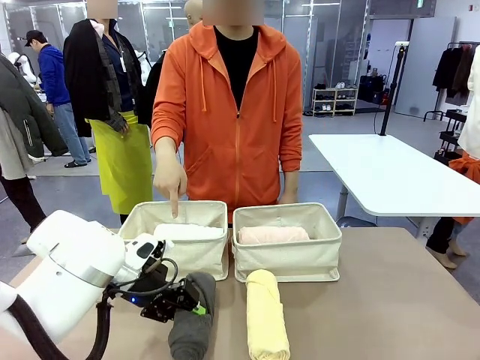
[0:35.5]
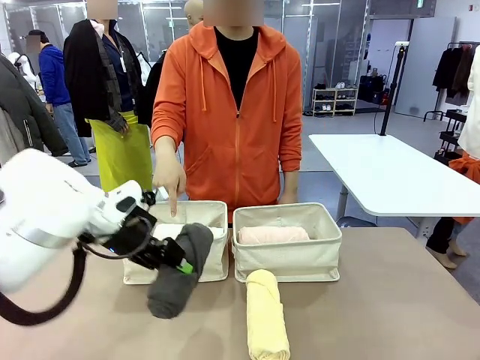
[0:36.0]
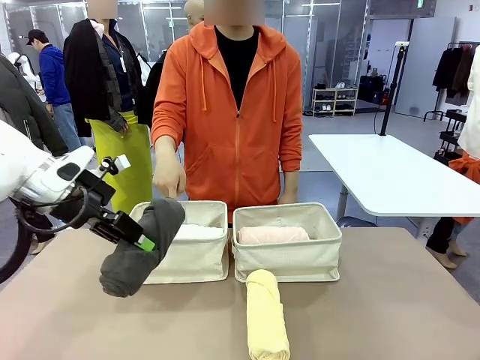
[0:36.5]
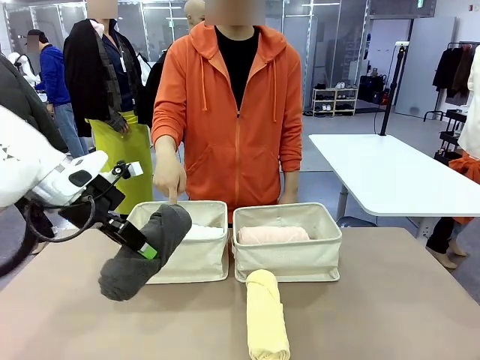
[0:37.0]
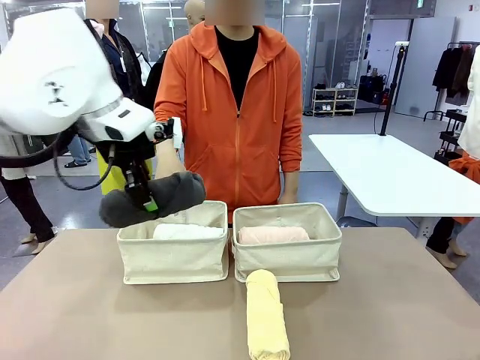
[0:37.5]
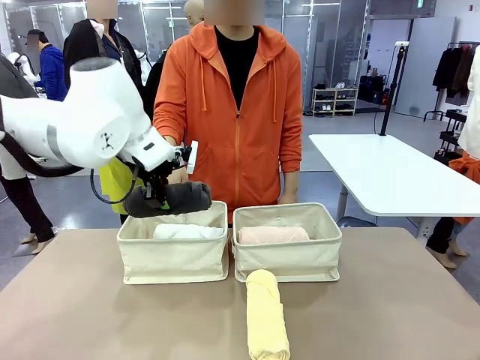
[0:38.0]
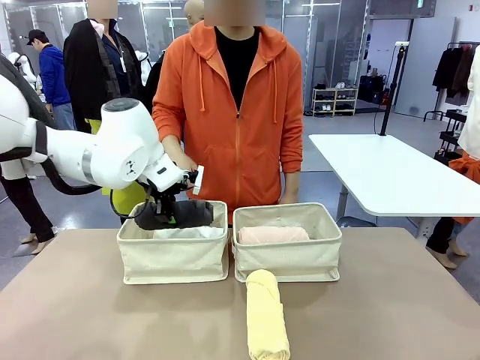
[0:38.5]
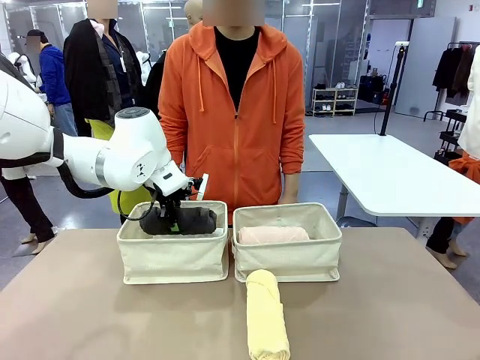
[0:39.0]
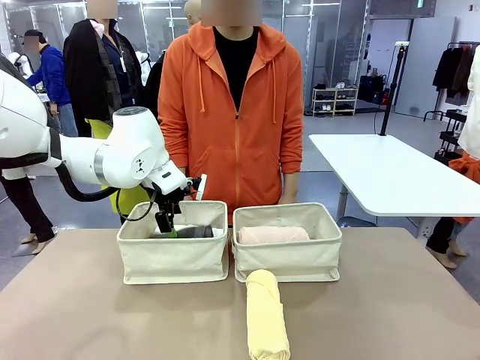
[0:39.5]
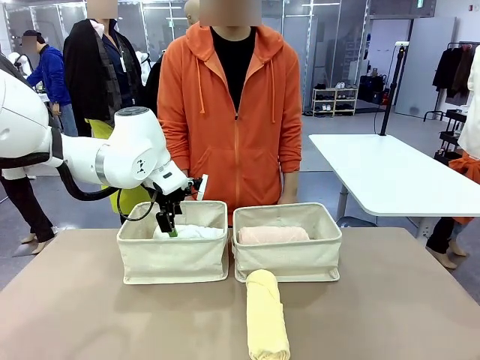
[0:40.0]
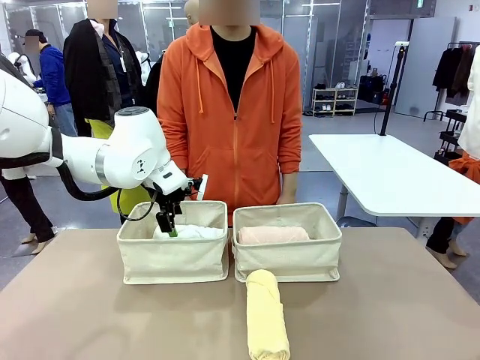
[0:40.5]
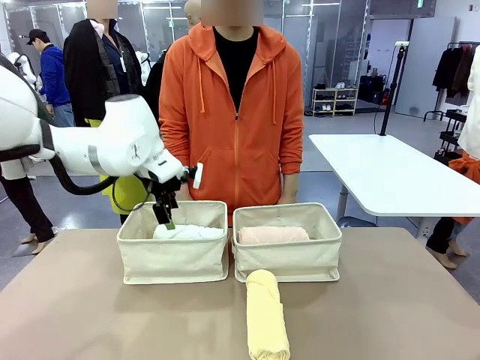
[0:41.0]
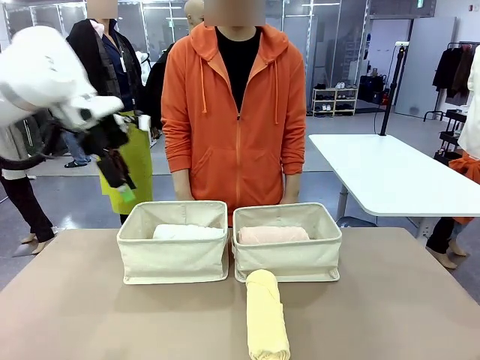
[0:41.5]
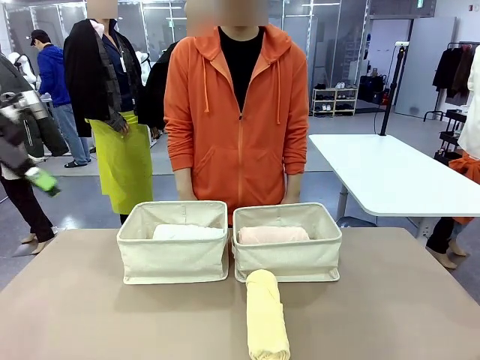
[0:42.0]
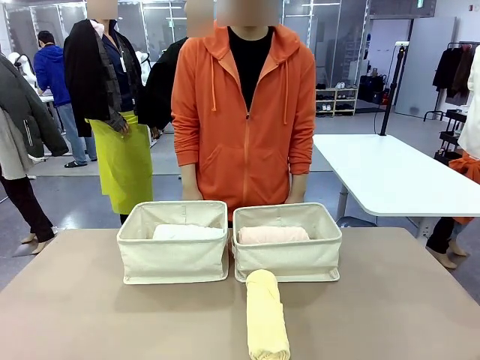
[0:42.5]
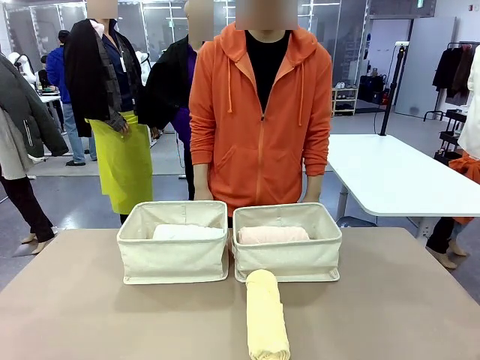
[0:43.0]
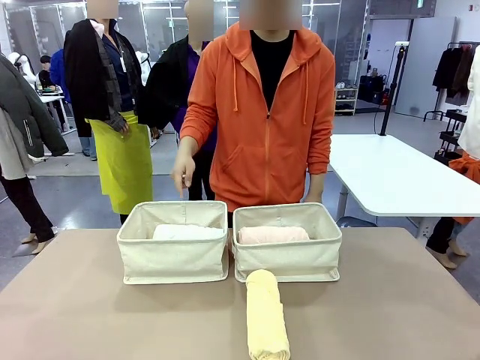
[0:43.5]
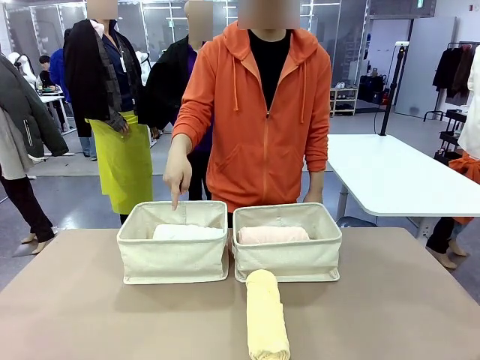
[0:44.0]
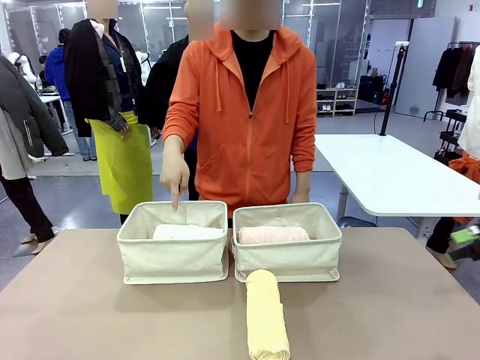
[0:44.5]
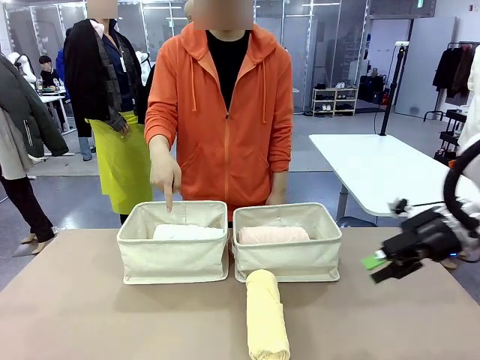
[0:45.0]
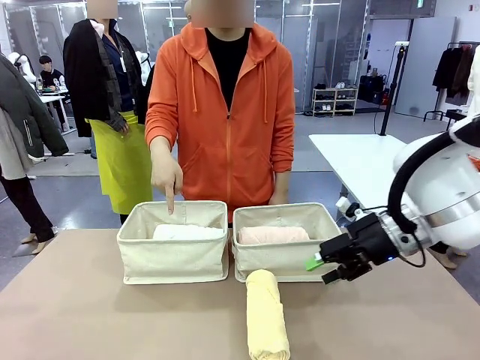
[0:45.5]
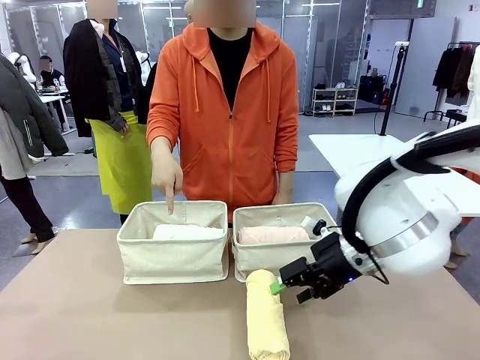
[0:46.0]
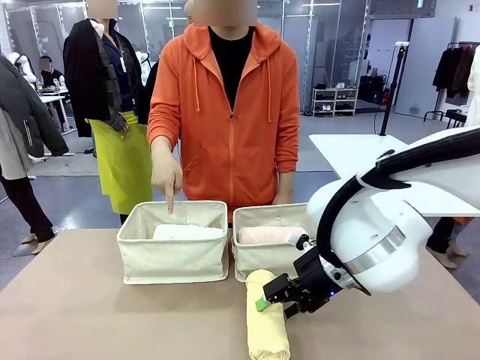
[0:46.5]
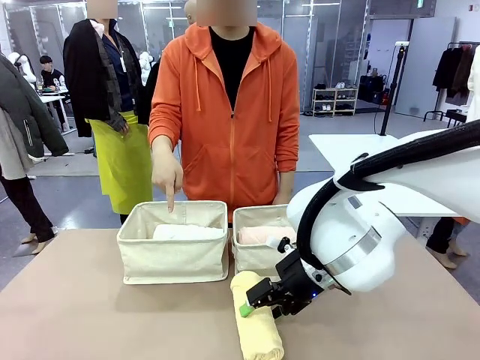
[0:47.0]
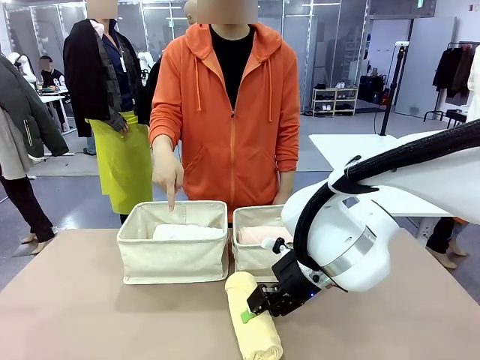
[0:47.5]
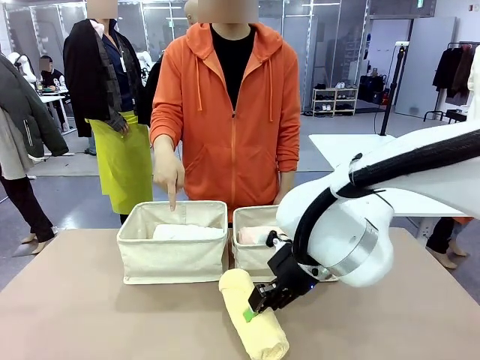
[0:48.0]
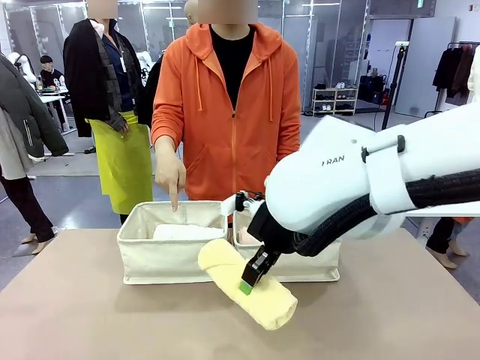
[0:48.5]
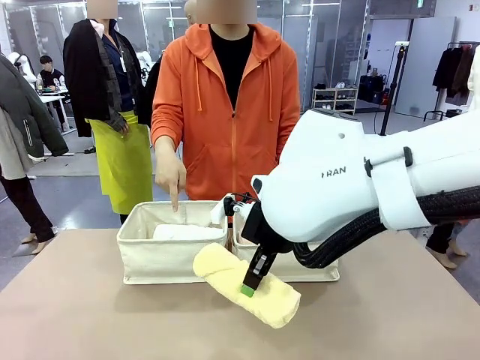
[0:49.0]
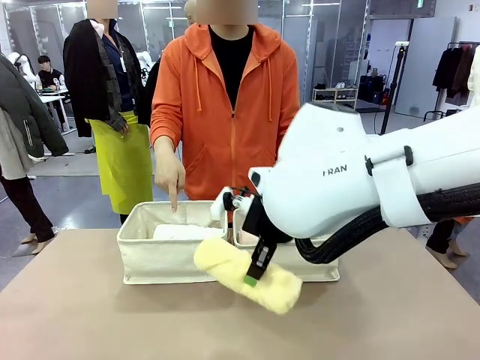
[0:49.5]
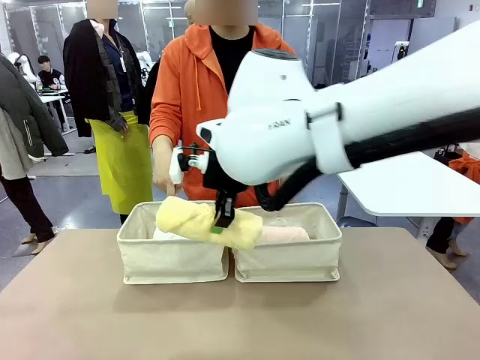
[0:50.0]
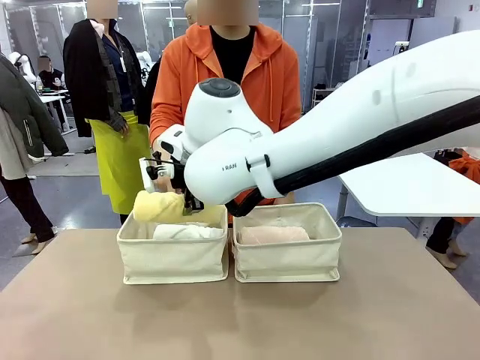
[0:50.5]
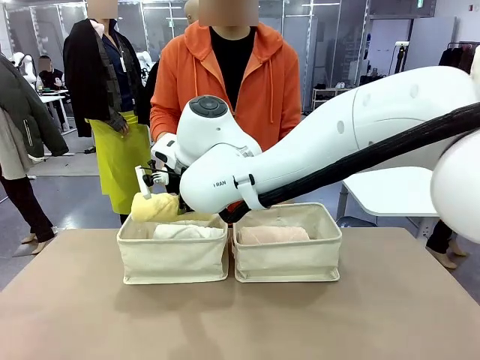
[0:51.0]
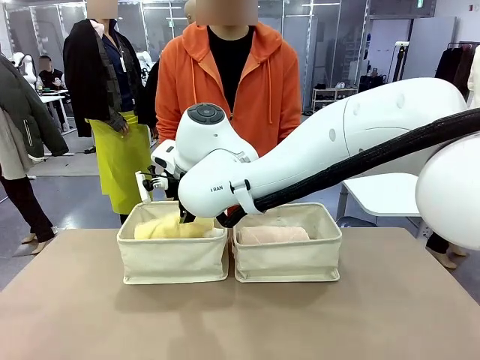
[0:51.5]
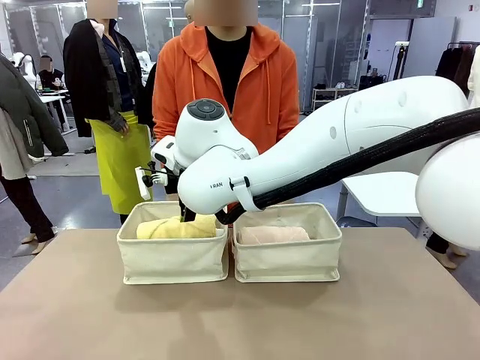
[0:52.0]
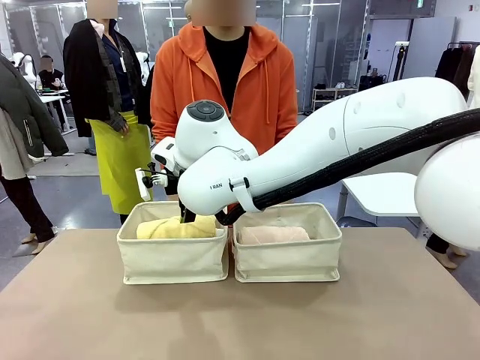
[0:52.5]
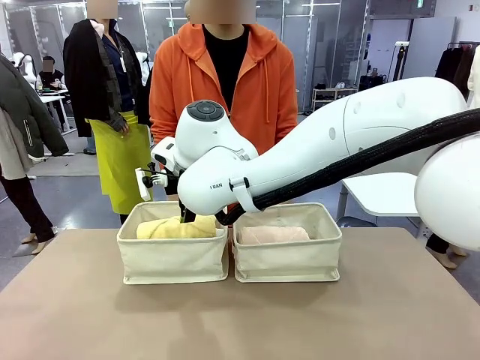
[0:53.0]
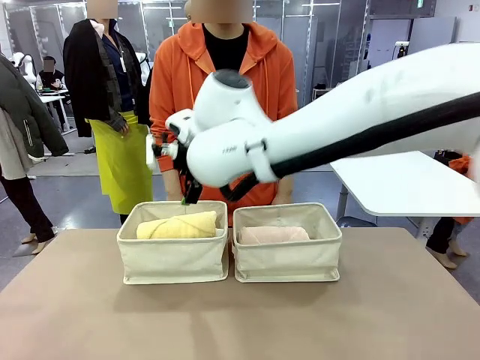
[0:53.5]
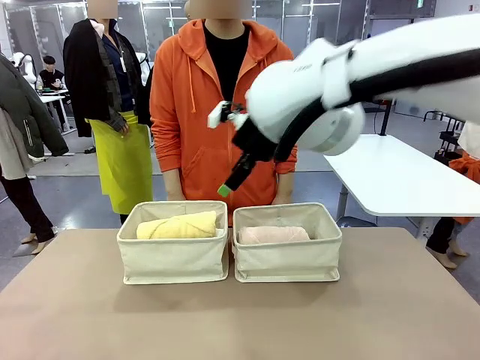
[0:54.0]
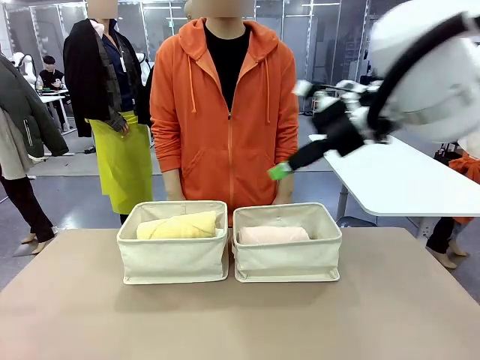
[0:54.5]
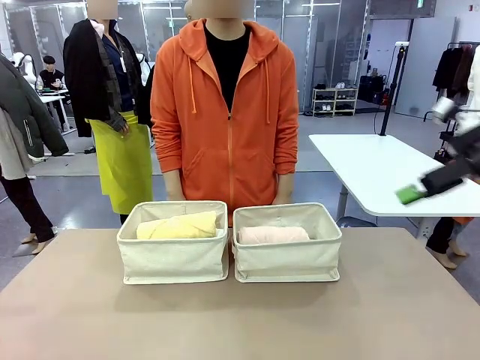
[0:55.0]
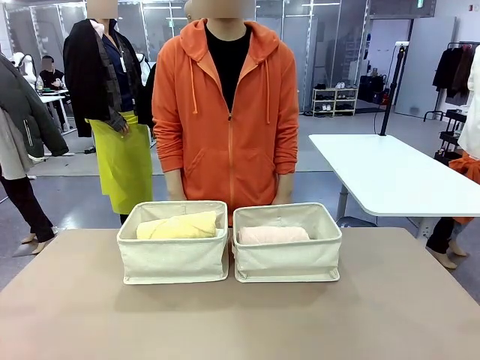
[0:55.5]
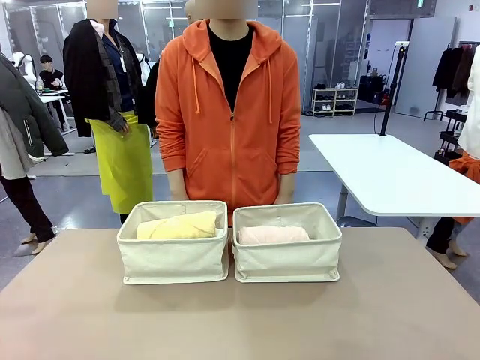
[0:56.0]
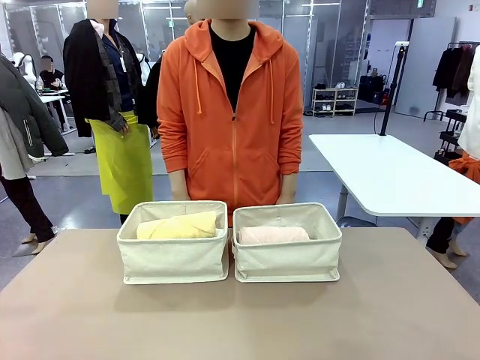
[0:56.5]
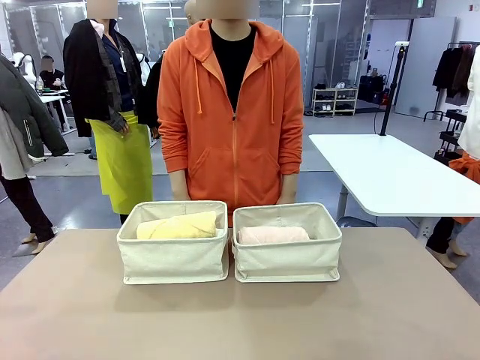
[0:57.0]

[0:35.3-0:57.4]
Task: Divide the towels into two baskets.
Robot: Pick up one hotel-folded towel from the bottom of the table and place it in the Fabric basket indicated by the person.

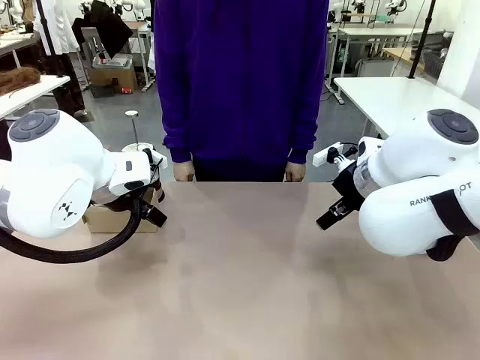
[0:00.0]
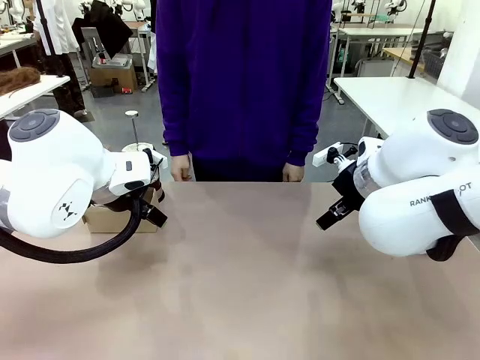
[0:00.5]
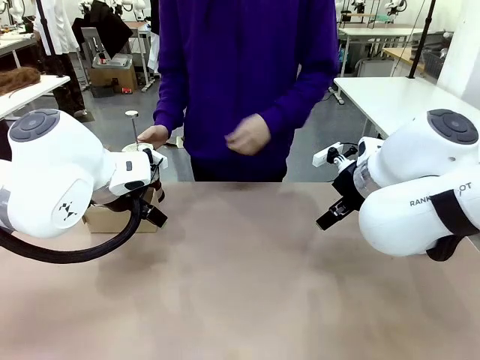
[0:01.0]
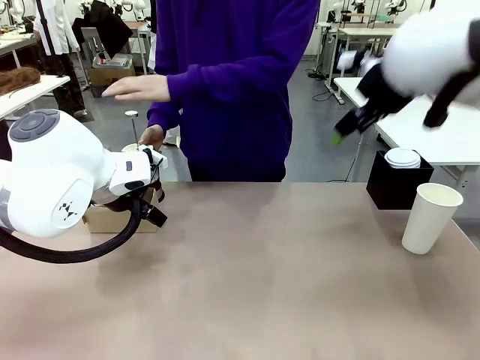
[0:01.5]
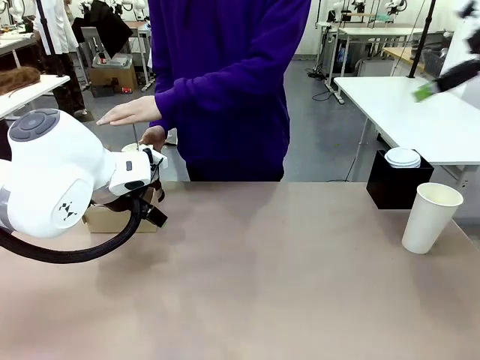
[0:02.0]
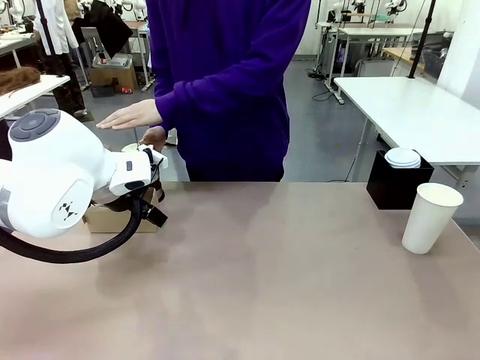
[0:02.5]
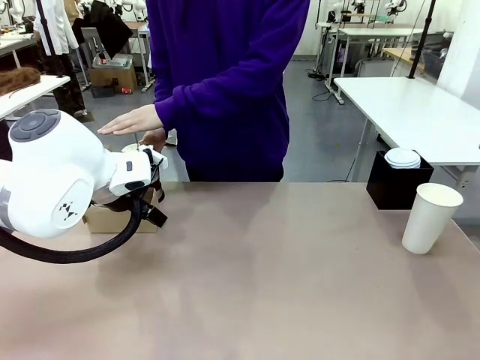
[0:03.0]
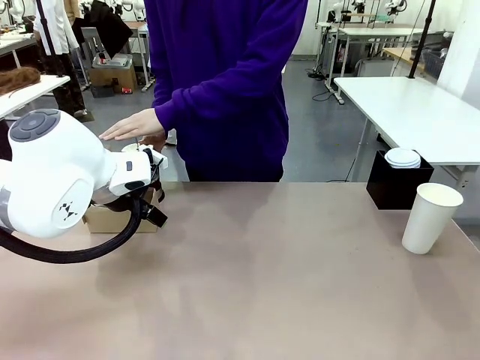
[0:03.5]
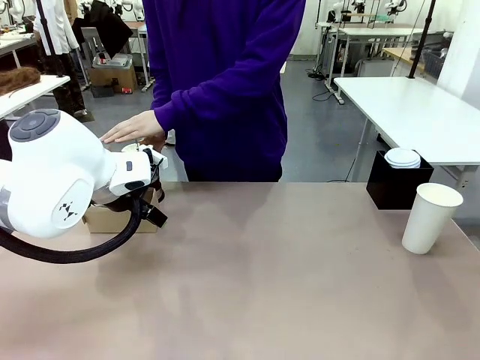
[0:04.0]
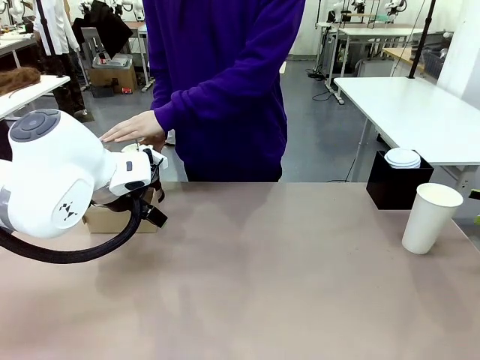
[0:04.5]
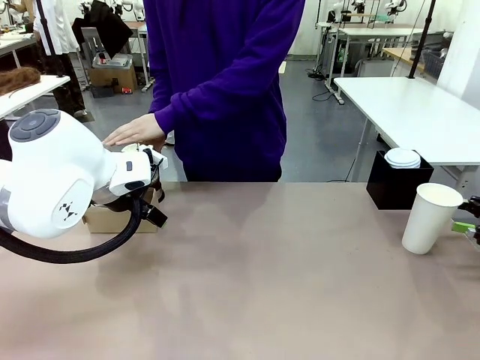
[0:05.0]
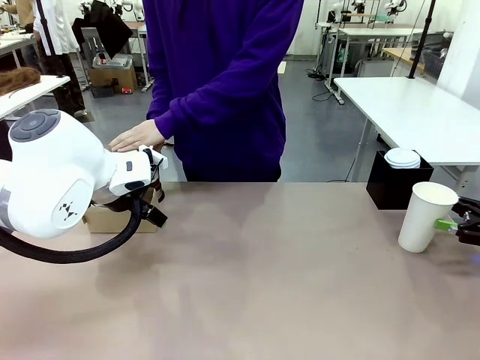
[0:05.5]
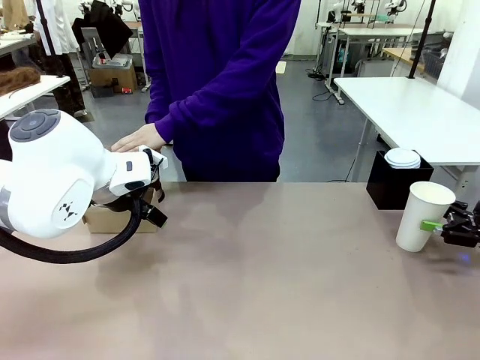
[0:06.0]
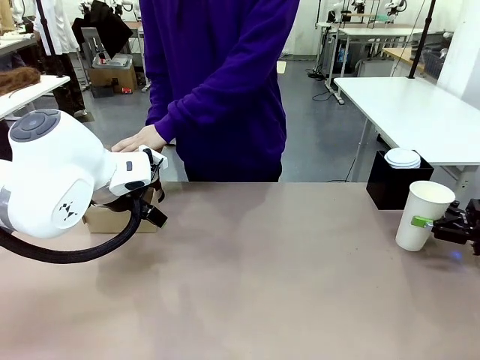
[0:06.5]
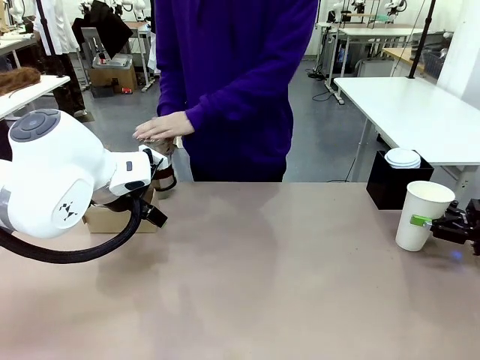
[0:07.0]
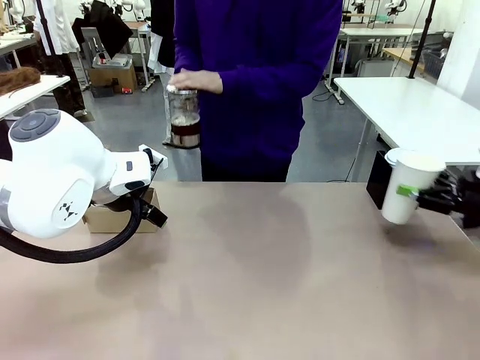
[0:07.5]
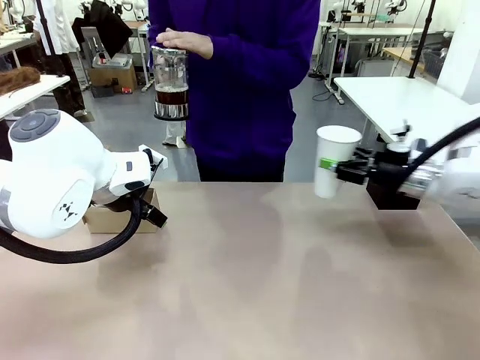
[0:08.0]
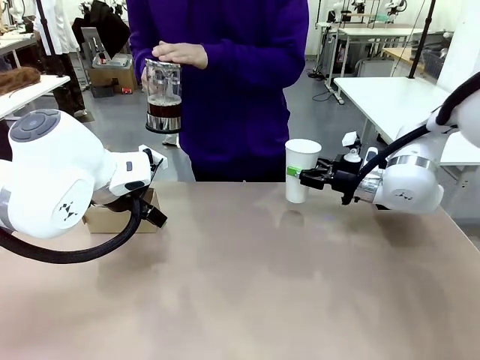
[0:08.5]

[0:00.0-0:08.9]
Task: Pour a drink into a cup and package it in a carrier.
Robot: Pick up the 600 ml Paper Cup and place it in the middle top area of the table.
Person: Press and pick up the Filter Brewing.
